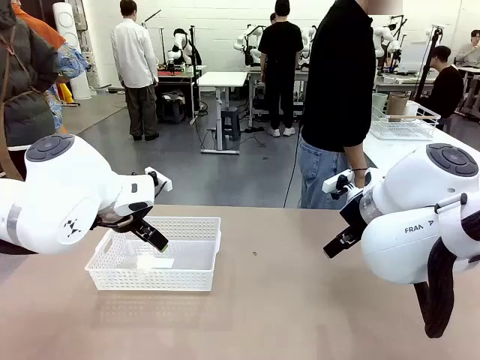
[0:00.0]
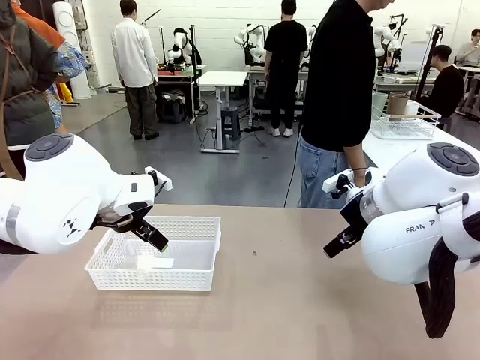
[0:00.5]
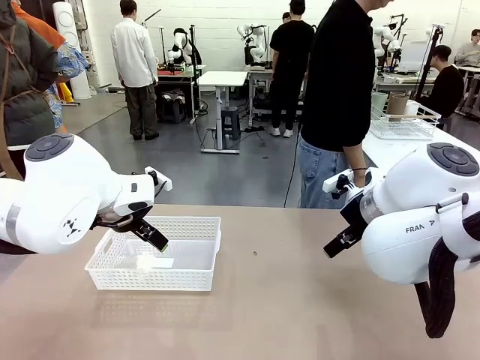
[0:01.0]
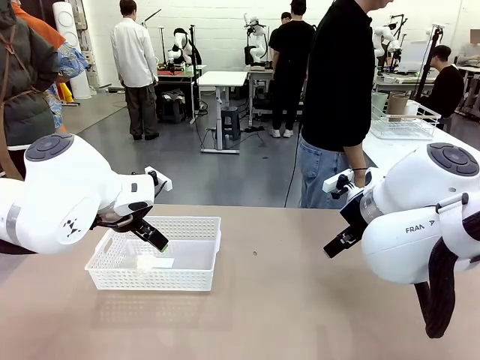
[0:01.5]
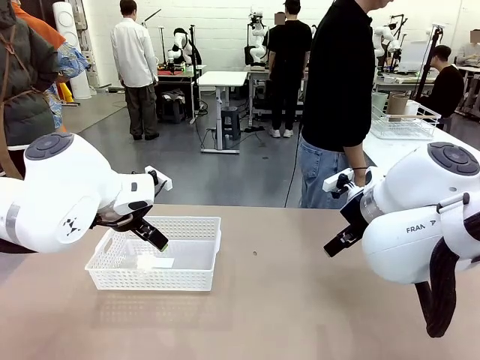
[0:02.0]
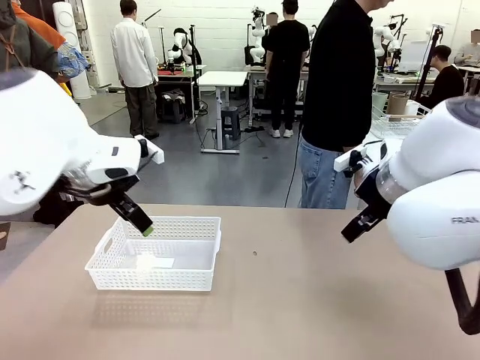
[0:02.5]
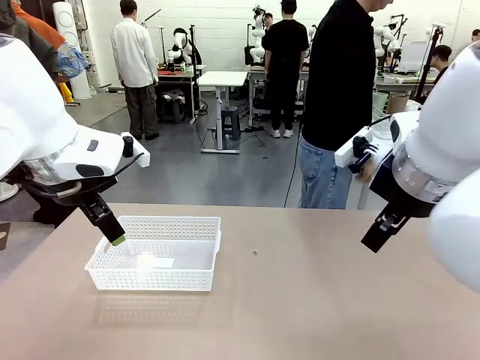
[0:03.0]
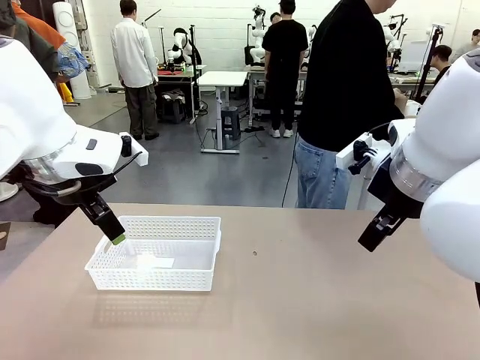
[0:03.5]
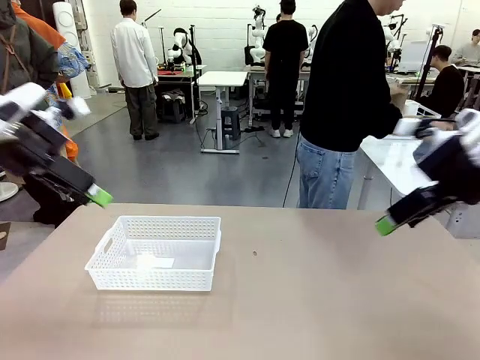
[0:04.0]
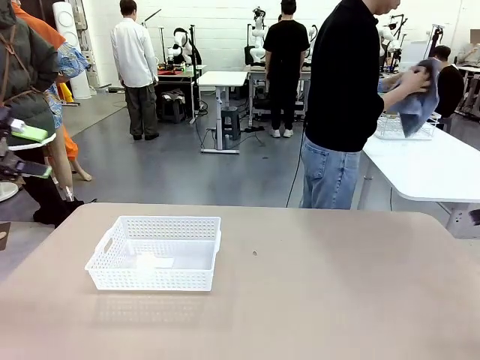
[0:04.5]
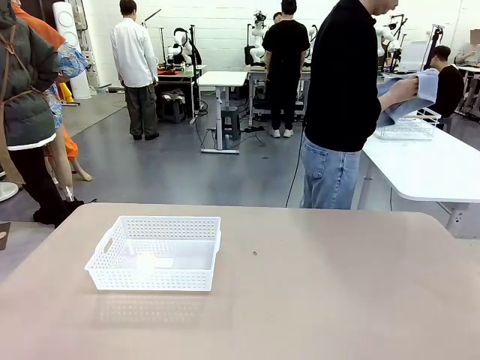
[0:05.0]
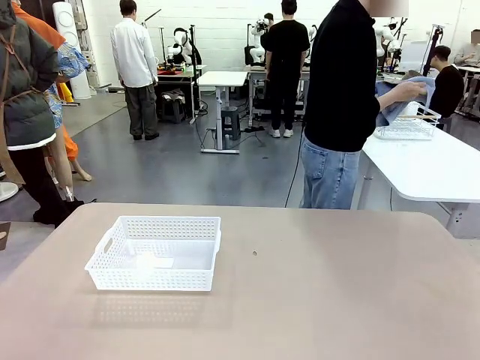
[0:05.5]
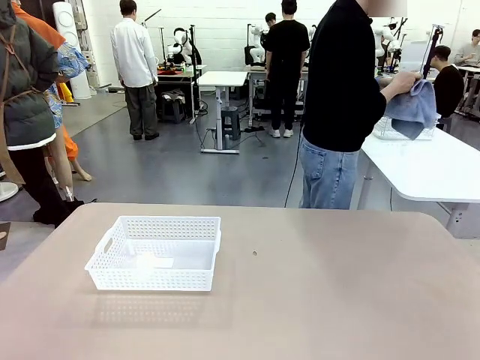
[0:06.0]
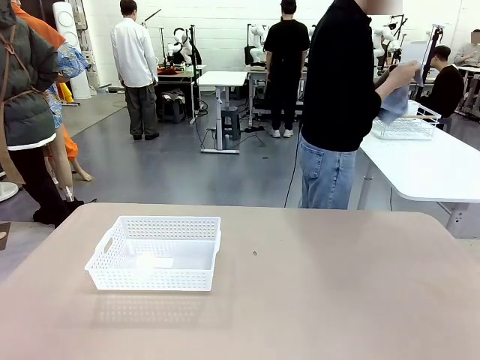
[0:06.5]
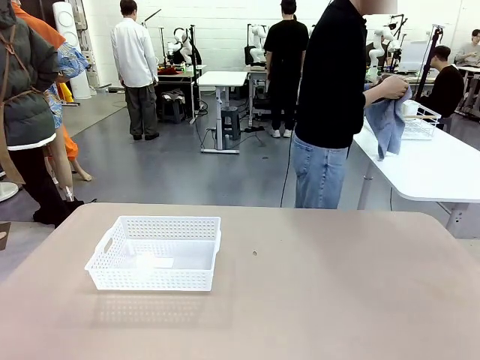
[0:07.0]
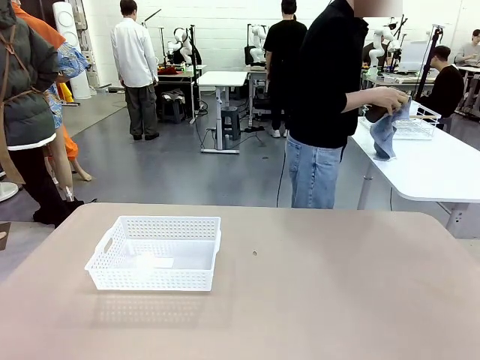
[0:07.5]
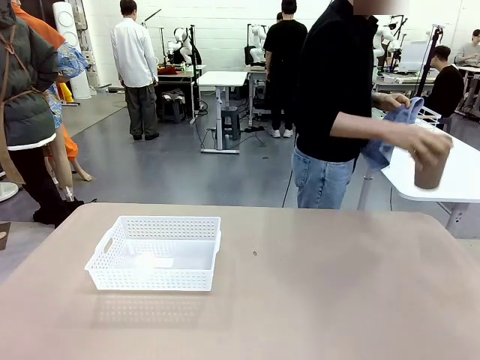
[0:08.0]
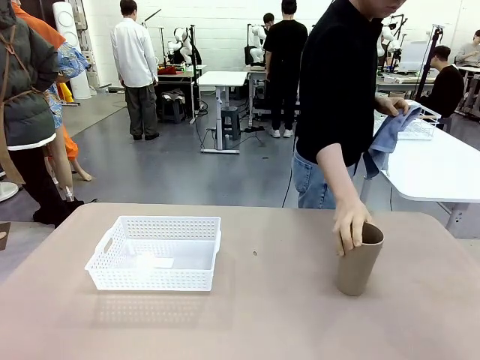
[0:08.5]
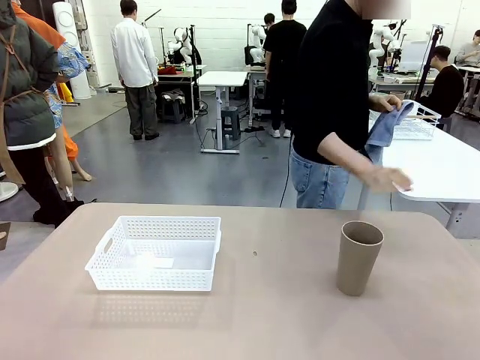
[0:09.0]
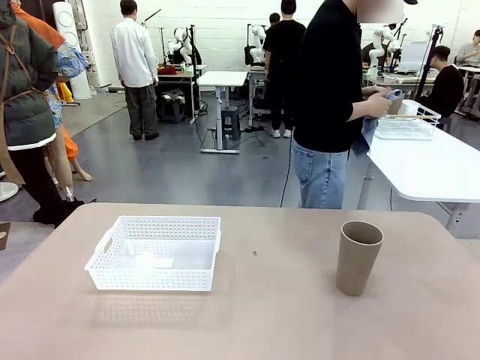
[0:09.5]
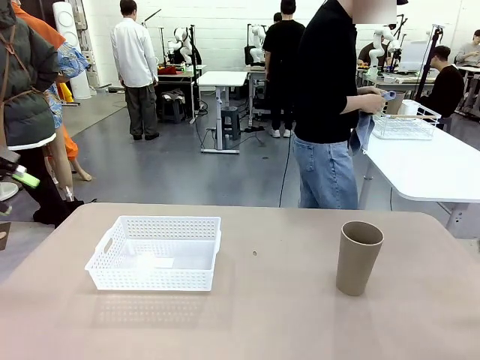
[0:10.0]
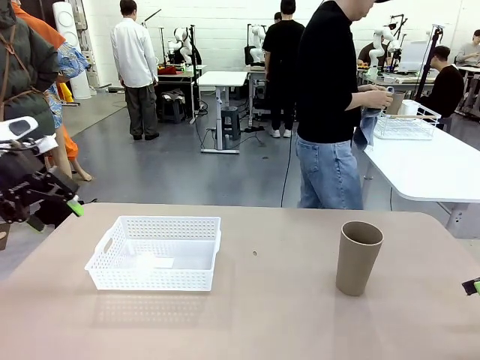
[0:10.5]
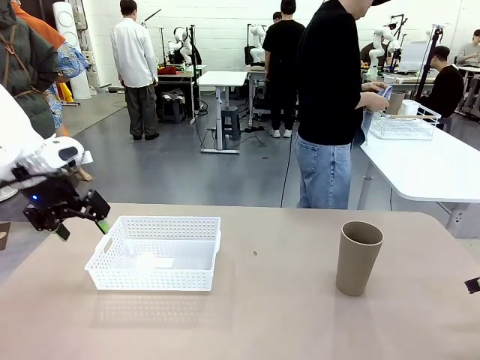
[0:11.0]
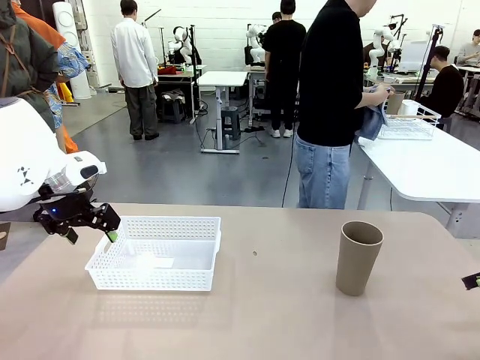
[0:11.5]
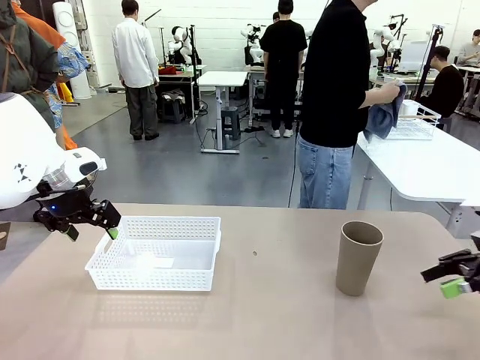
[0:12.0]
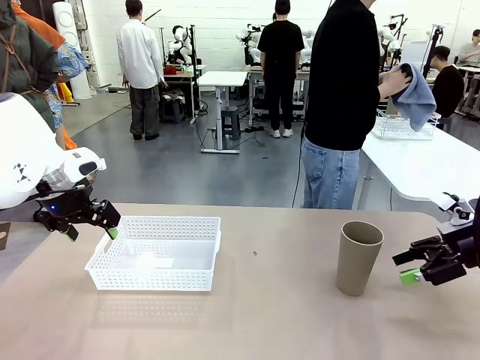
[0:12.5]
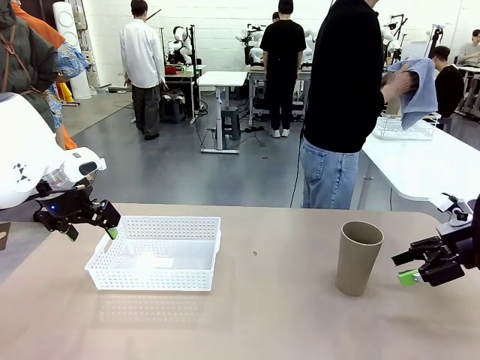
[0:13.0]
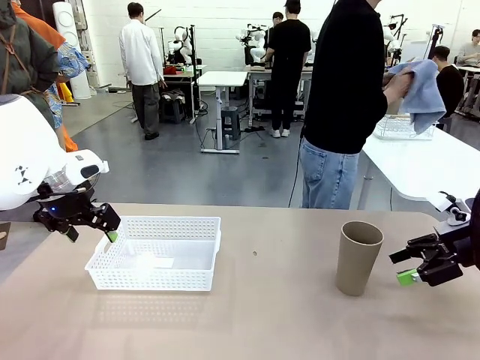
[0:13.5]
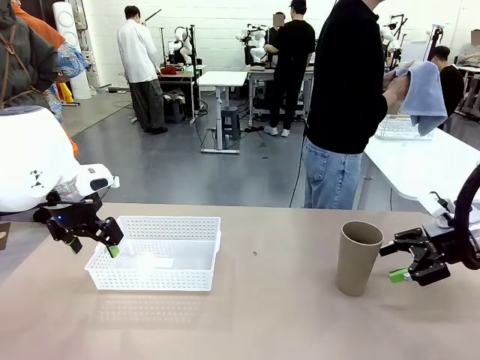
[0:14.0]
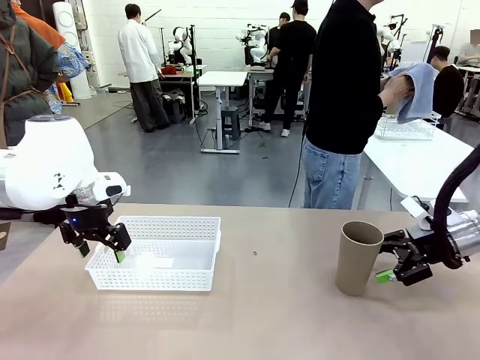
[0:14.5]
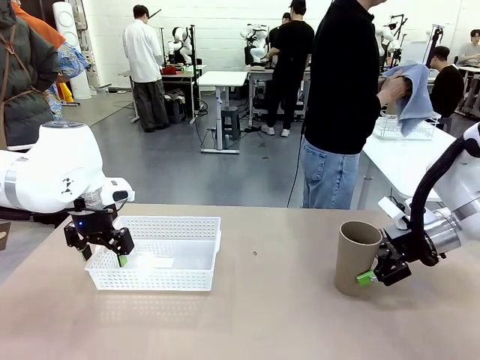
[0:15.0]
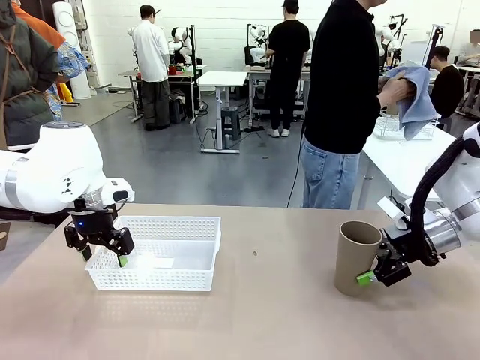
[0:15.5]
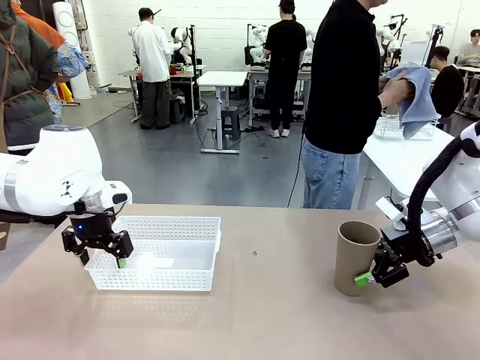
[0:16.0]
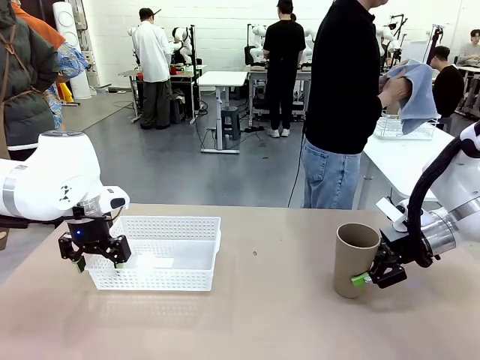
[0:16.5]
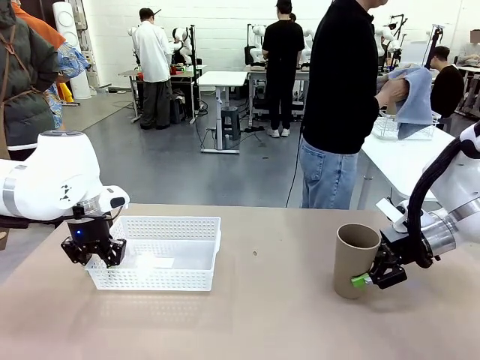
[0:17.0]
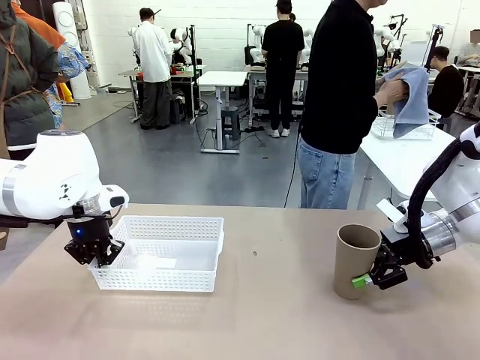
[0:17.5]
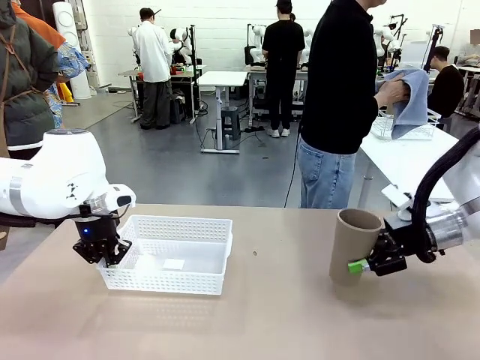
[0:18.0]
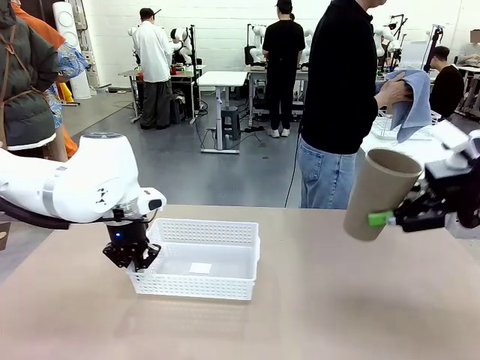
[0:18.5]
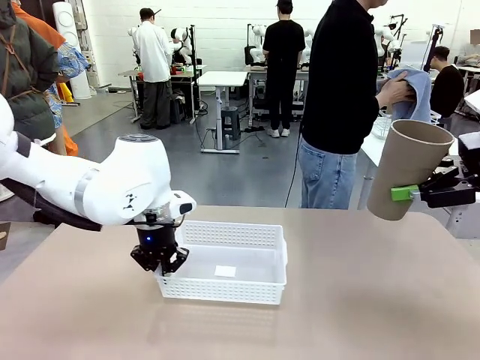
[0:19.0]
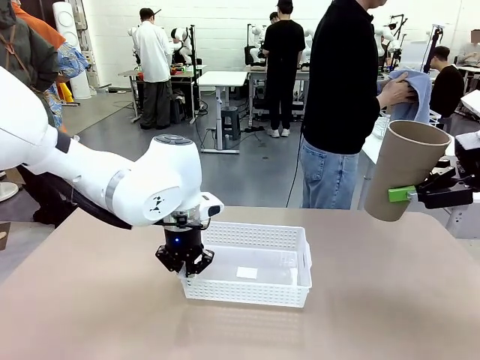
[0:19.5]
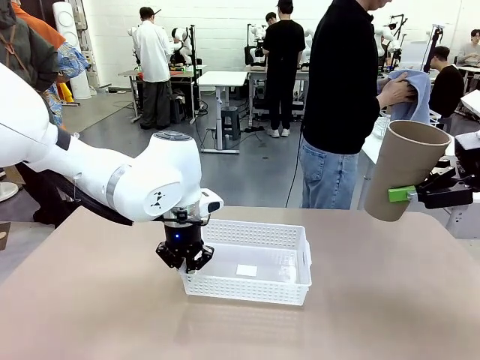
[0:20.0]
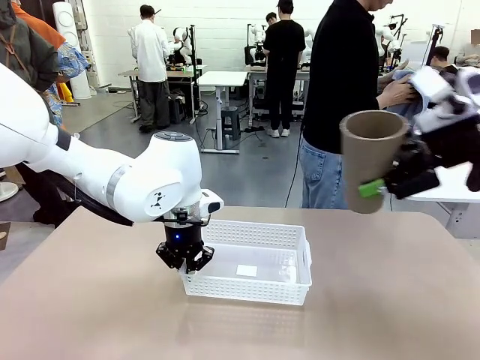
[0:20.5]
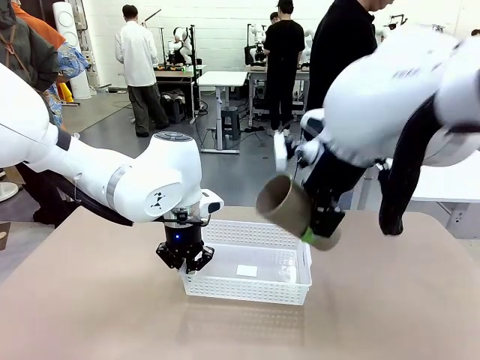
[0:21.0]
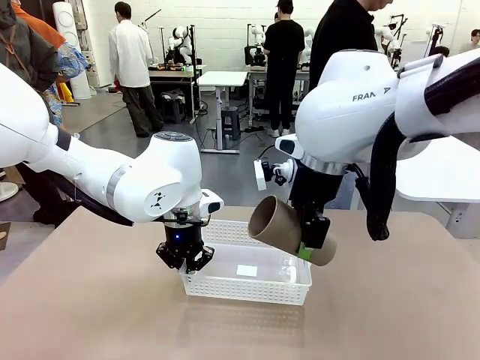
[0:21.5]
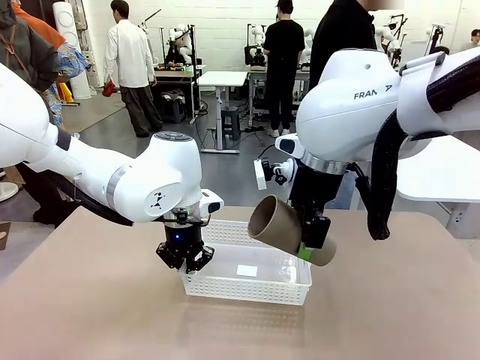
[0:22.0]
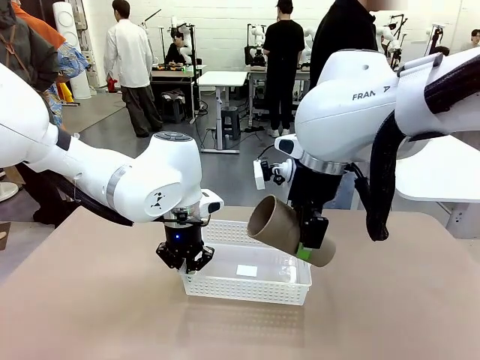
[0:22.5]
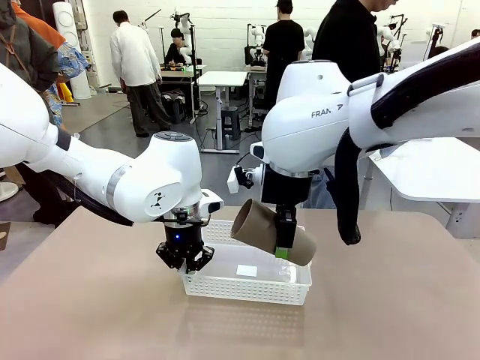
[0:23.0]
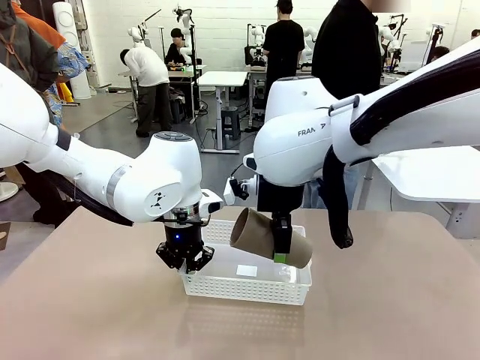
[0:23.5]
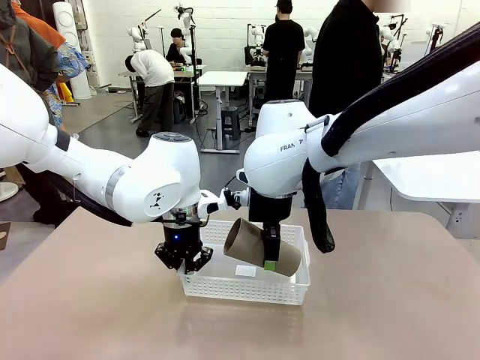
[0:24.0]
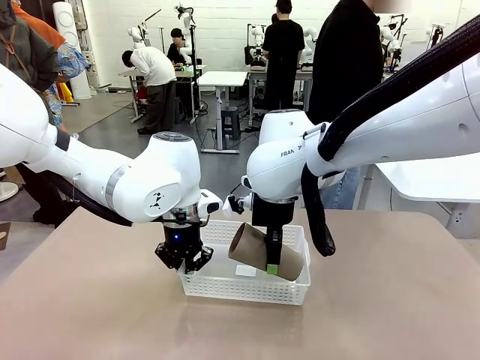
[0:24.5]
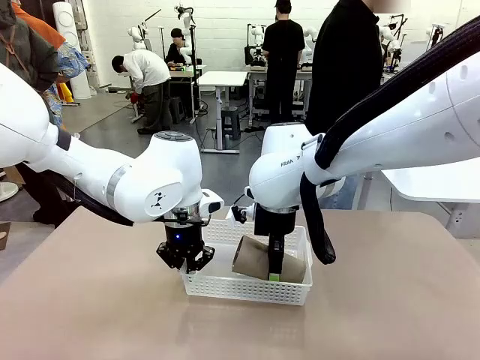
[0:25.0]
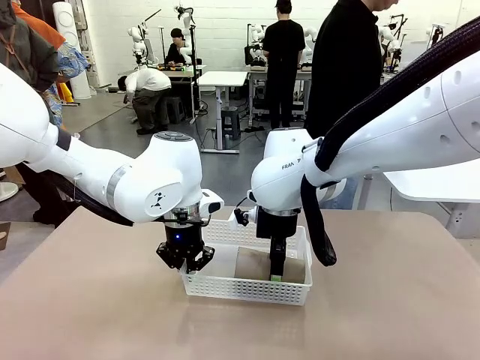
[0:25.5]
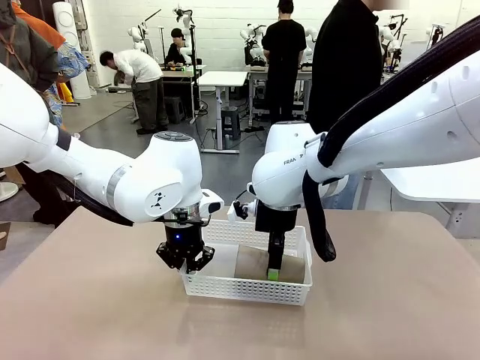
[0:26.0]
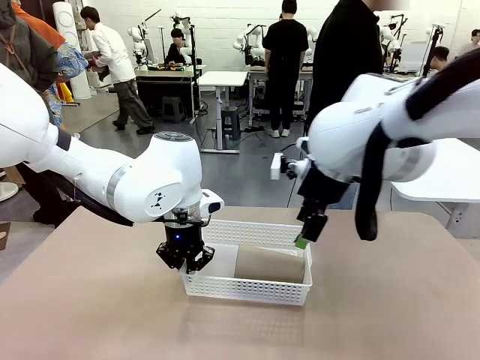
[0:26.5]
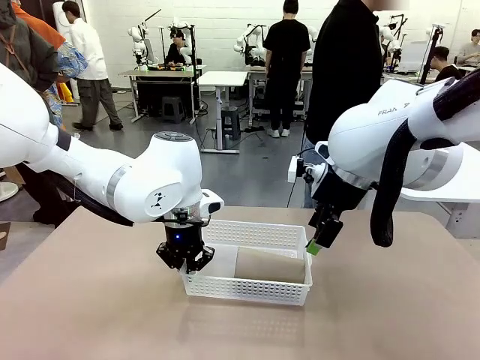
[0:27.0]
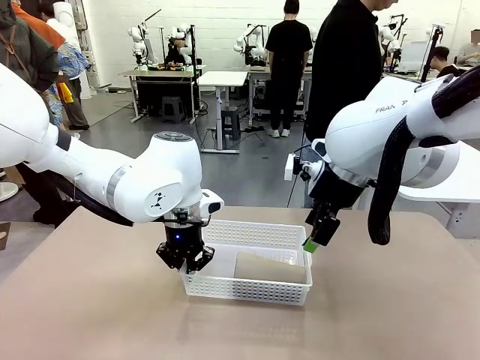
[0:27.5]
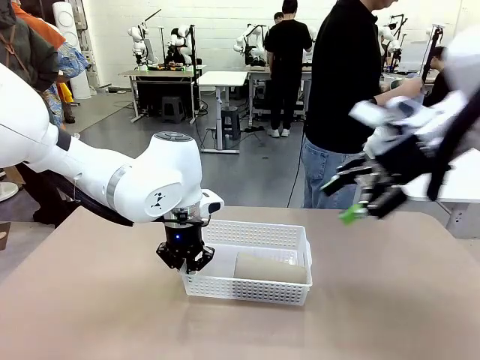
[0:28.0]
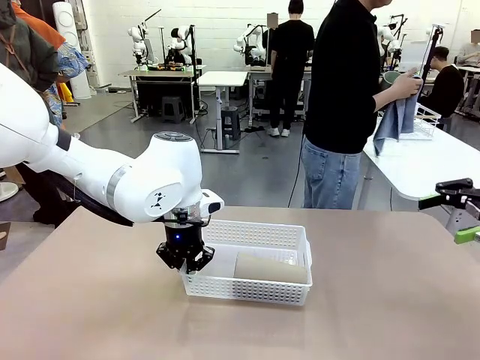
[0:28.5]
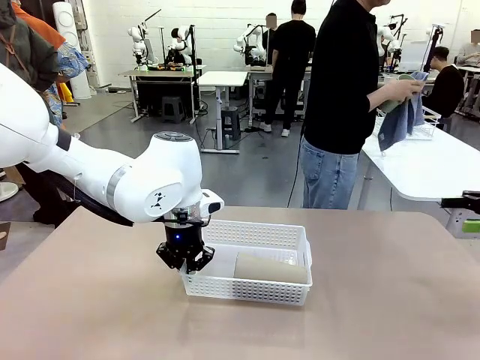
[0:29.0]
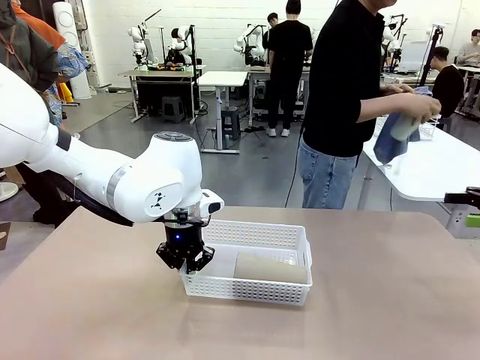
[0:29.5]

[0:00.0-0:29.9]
Task: Clean and organize the cups into the basket.
Robot: Pick up the Organizing basket and move it to the center of the table, then pick up the Reusable plastic cup from the right side of the table and place it inside the Organizing basket.
Person: Picks up a cup and a towel, cleans the cup with the towel, and places it on the left side of the robot table.
